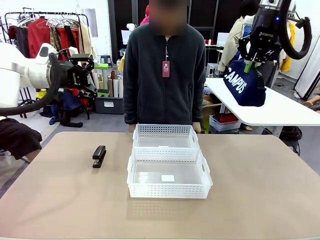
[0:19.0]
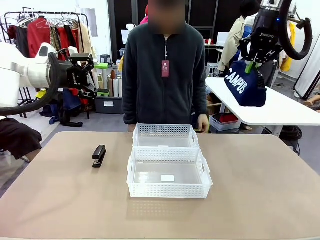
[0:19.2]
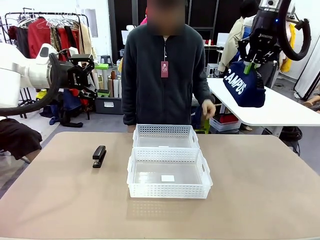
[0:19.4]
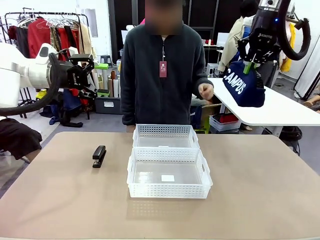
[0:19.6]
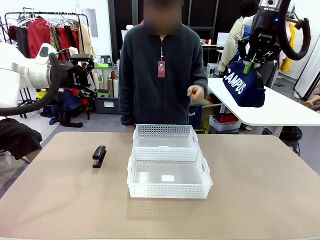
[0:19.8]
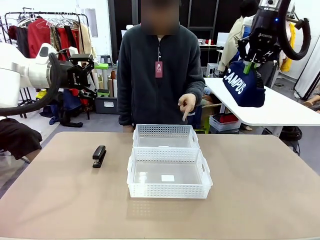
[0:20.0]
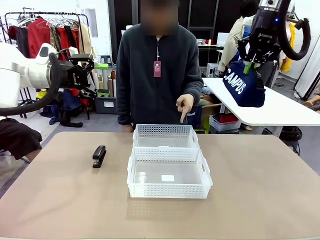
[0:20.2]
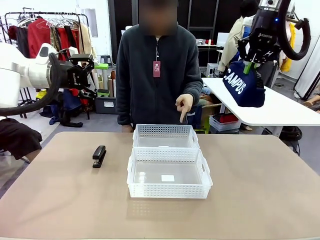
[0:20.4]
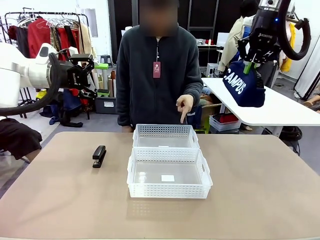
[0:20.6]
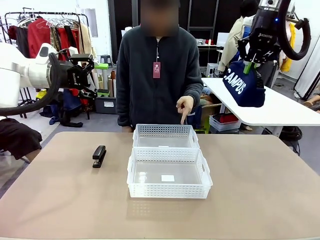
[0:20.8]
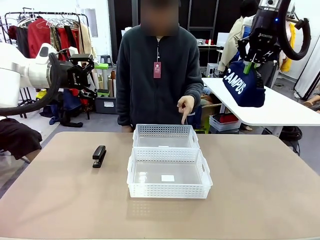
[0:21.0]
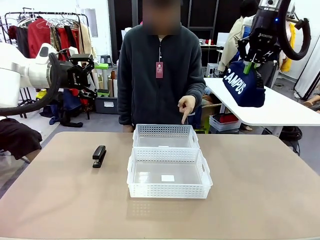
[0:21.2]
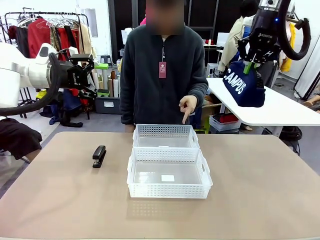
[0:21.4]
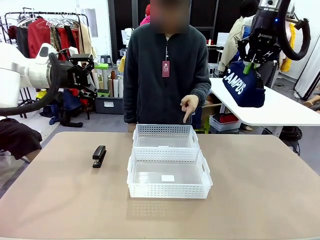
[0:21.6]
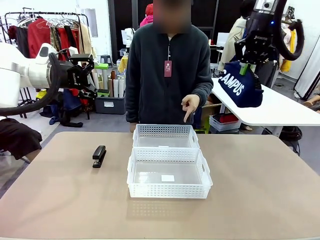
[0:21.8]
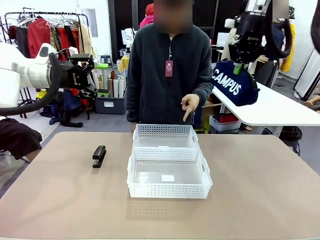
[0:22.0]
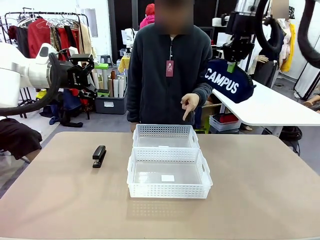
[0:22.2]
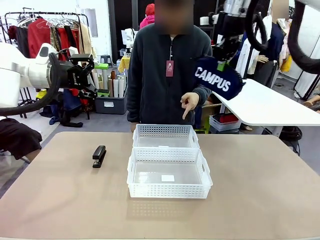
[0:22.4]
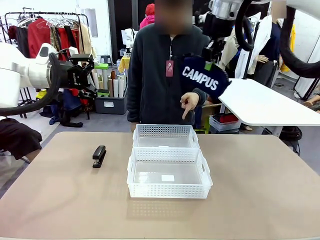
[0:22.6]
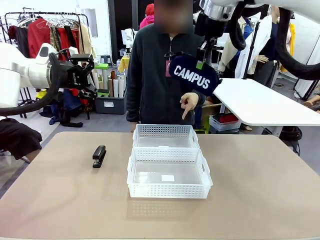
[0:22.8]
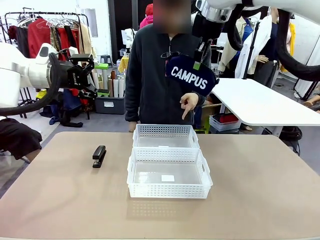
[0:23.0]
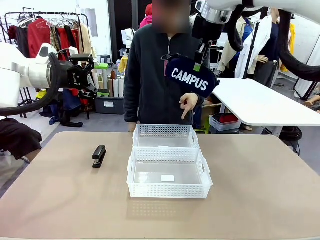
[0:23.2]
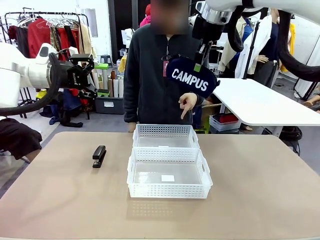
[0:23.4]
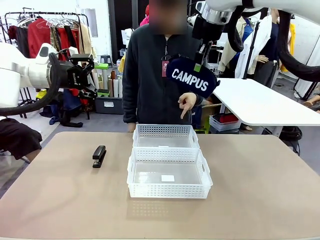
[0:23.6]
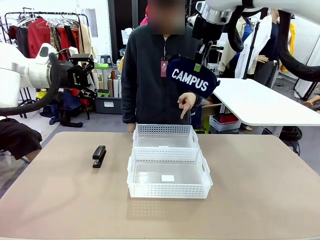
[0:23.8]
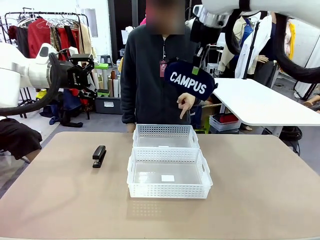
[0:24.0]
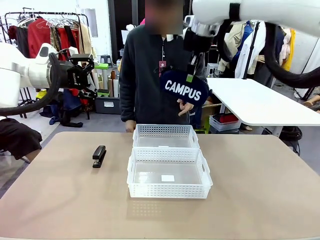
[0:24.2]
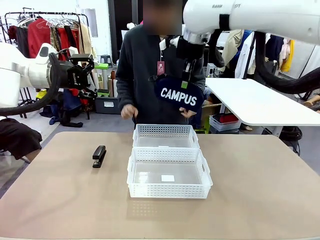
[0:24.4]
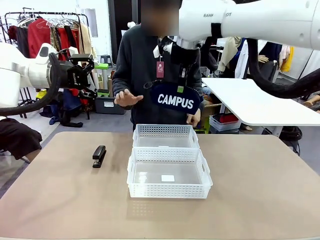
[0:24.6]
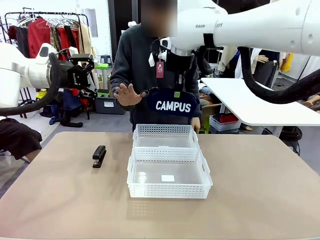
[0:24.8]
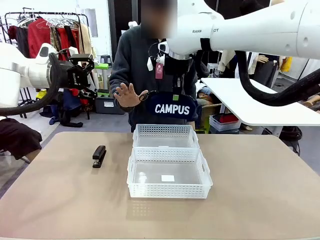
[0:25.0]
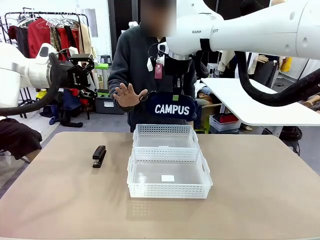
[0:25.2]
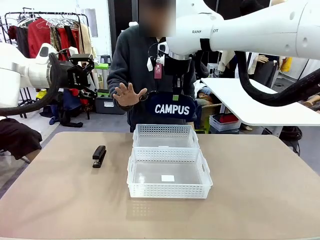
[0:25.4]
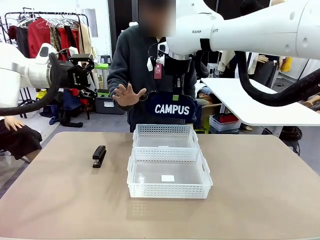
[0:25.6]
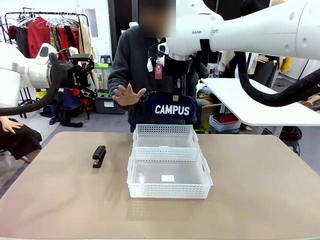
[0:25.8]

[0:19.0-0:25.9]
Task: Distribute items into two baskets.
Robot: Move the picked Pencil pouch towards the Organizing basket indicated by the person, stopping as directed.
Person: Sends a stop gesture before the robot places the pencil case into the basket.

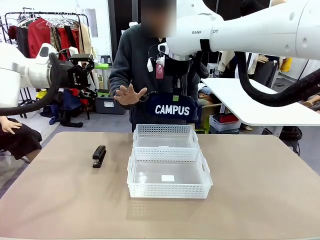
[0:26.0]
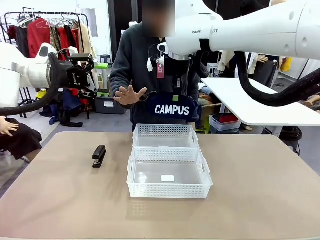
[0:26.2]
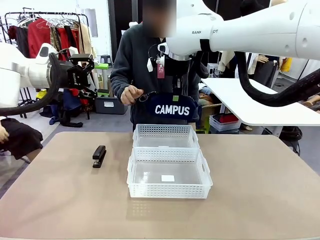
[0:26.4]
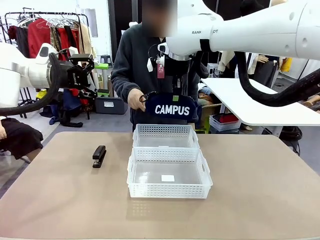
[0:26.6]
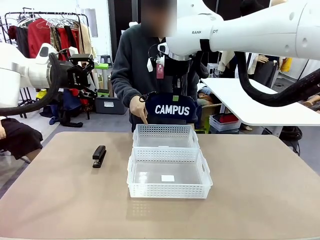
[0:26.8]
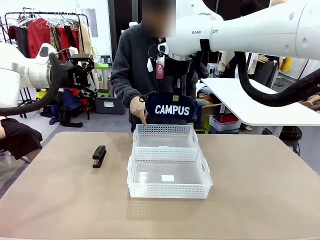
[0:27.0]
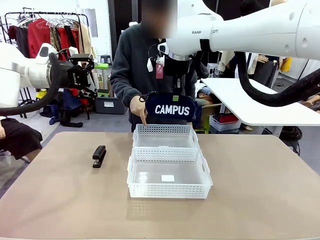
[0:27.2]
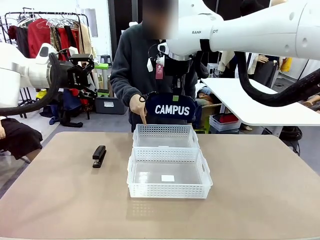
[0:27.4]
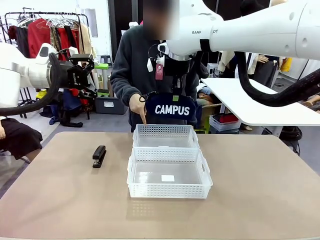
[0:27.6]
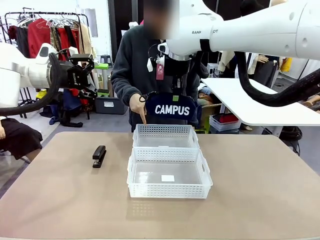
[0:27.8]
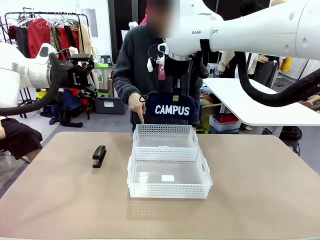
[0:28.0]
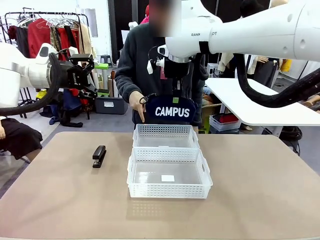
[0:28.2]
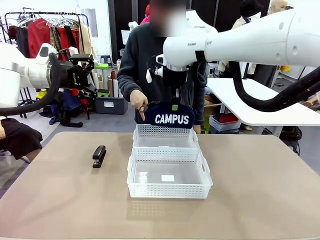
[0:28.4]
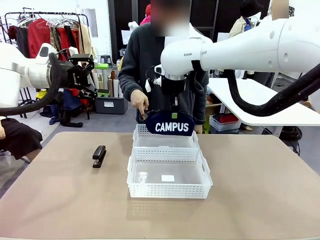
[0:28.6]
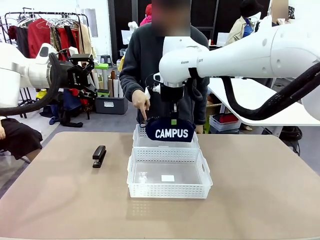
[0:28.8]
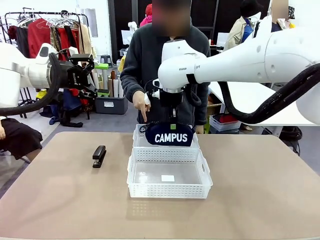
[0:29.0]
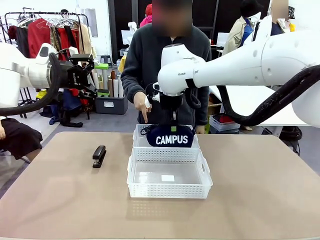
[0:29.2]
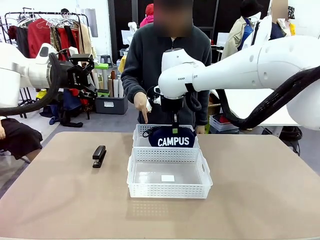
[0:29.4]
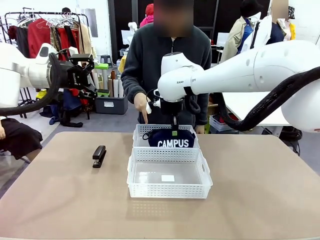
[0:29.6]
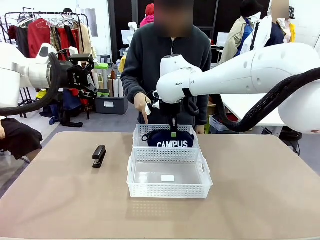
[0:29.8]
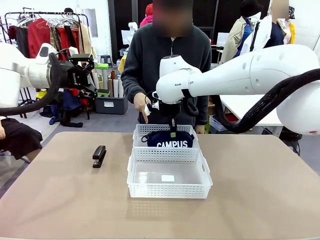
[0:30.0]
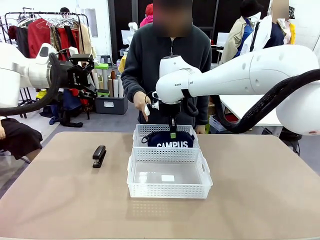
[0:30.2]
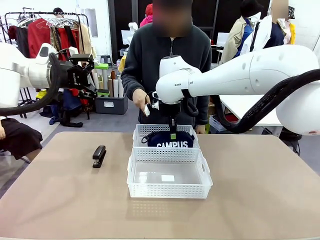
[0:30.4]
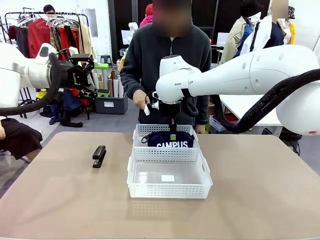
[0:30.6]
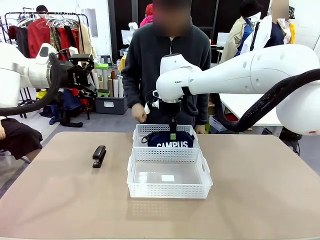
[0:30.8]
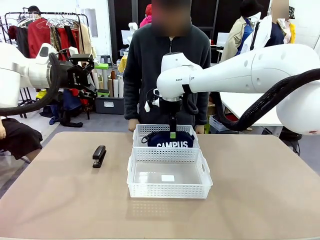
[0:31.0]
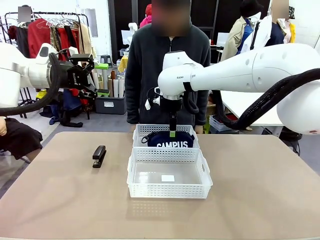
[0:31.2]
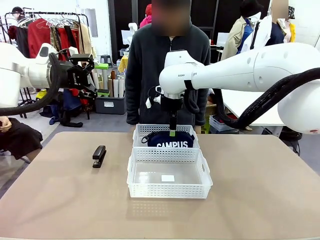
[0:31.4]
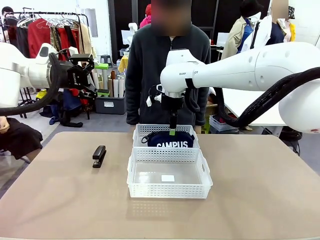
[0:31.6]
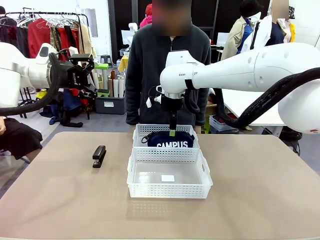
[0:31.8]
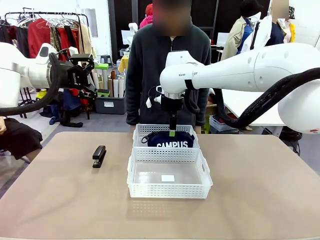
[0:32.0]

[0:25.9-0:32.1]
Robot: Place the picked Pencil pouch into the Organizing basket as instructed by the person.
Person: Instructs the robot to place the pencil case into the opposite basket.
